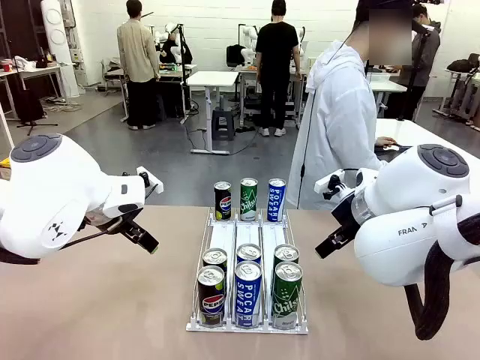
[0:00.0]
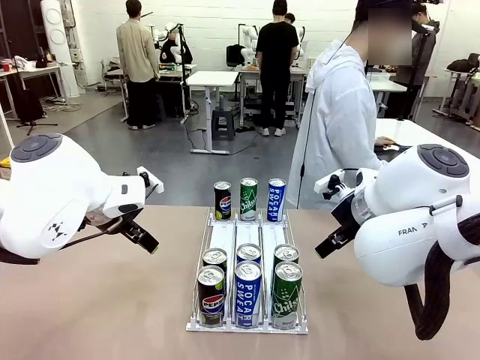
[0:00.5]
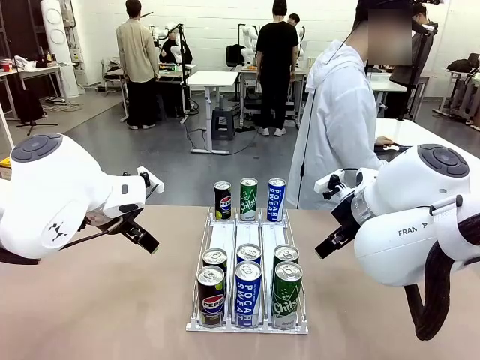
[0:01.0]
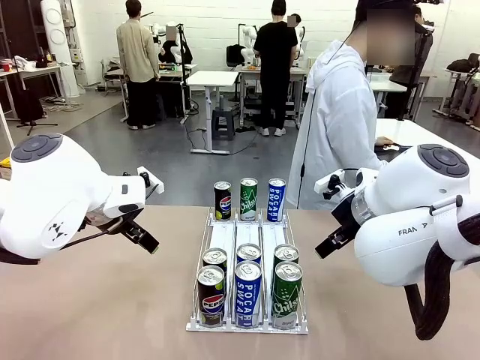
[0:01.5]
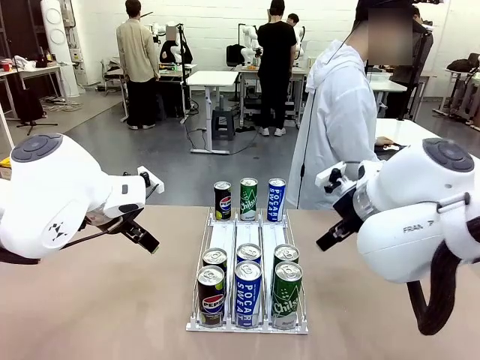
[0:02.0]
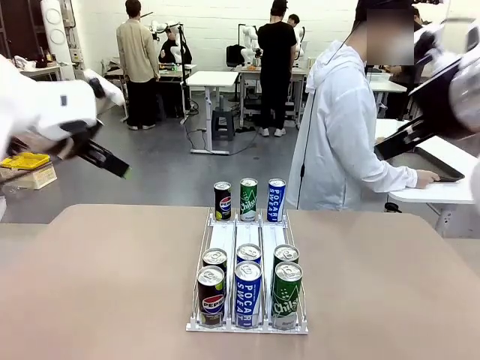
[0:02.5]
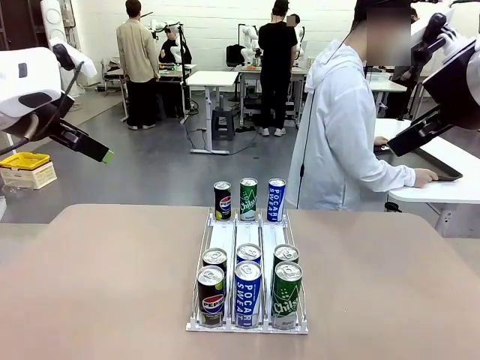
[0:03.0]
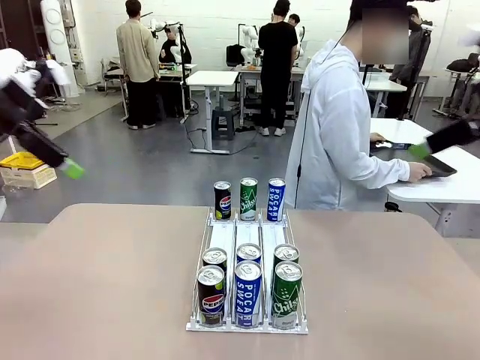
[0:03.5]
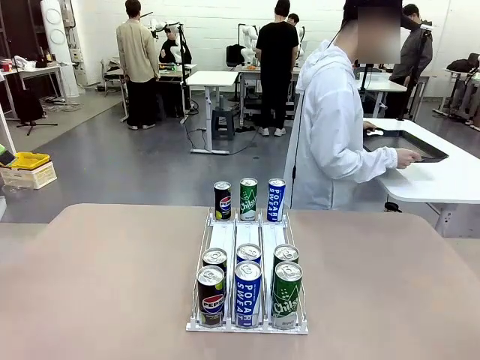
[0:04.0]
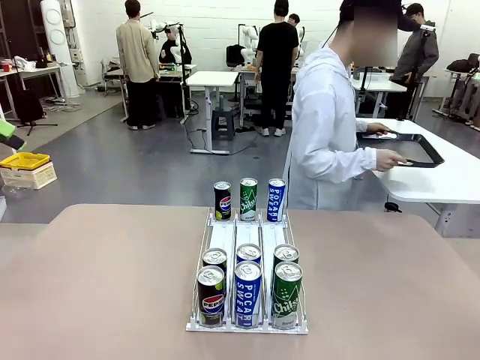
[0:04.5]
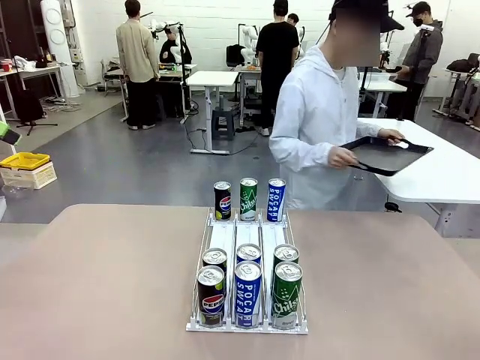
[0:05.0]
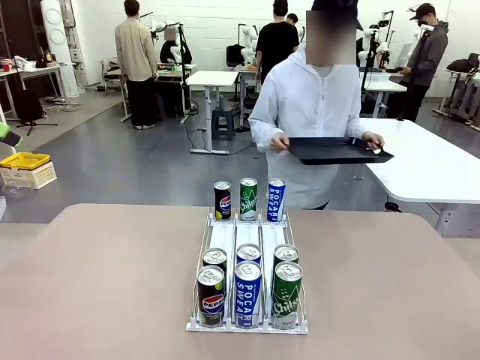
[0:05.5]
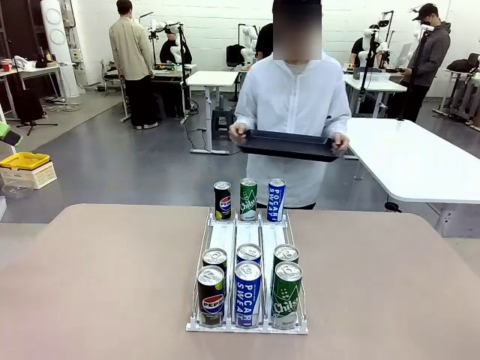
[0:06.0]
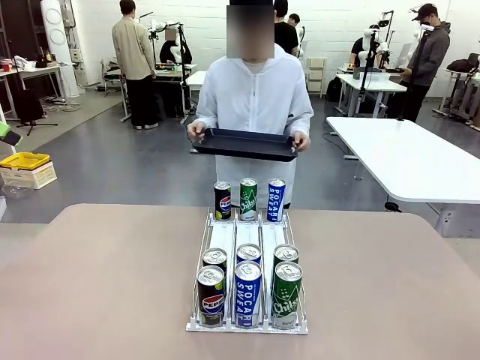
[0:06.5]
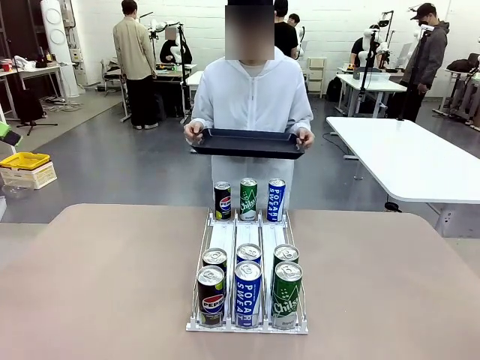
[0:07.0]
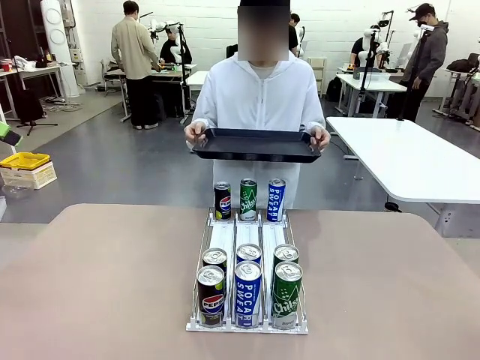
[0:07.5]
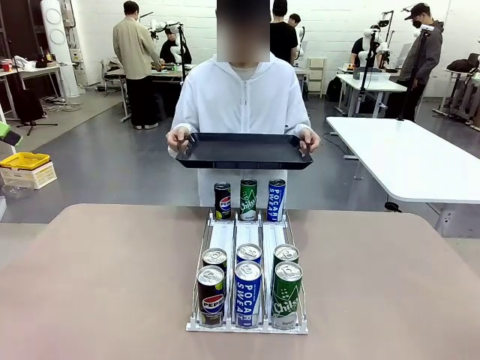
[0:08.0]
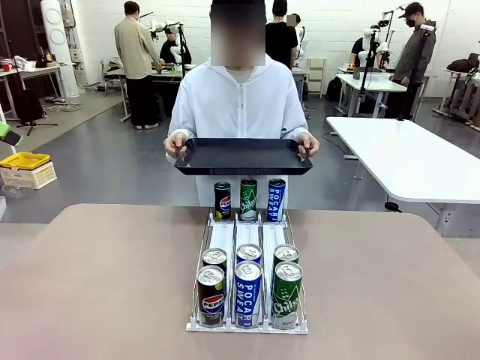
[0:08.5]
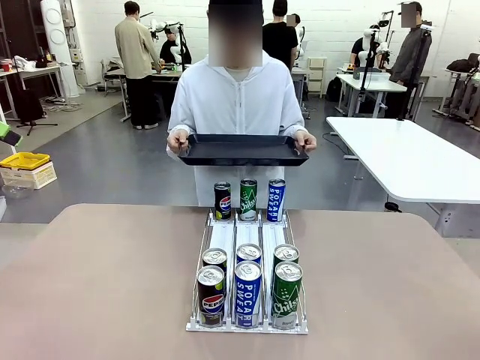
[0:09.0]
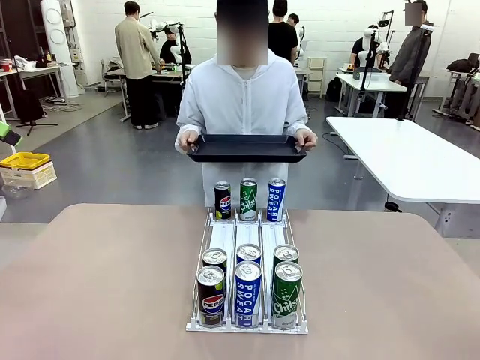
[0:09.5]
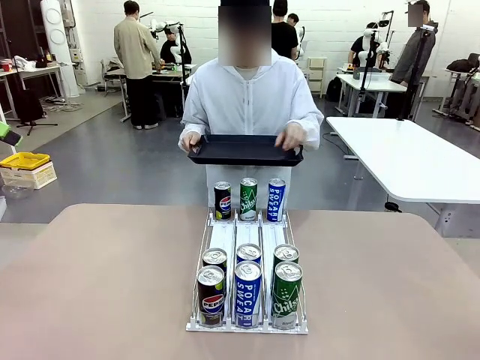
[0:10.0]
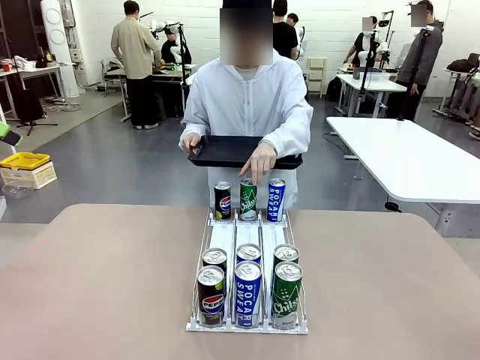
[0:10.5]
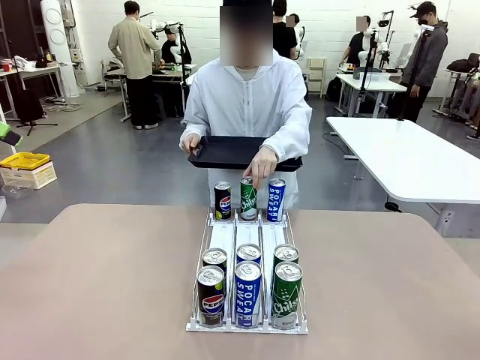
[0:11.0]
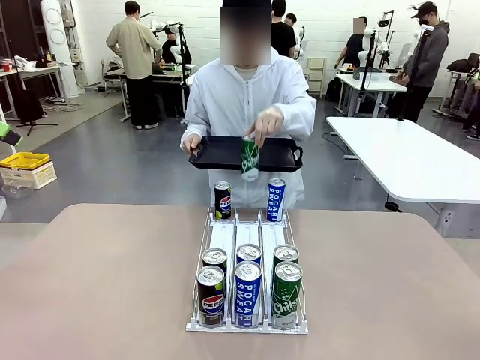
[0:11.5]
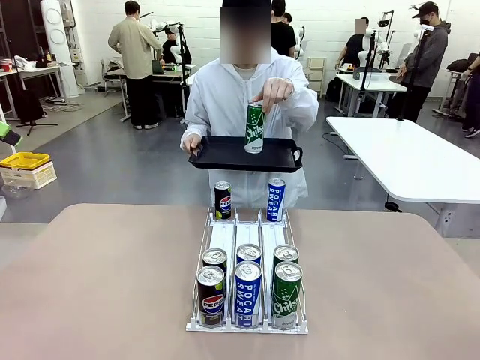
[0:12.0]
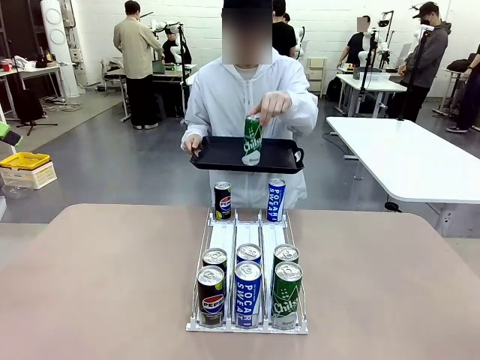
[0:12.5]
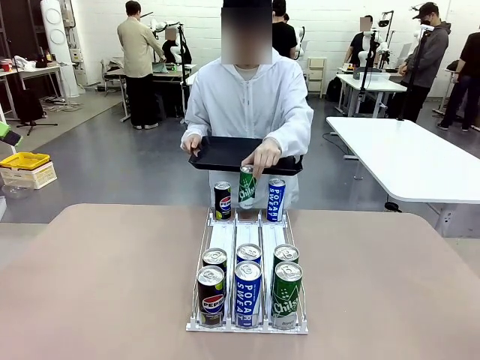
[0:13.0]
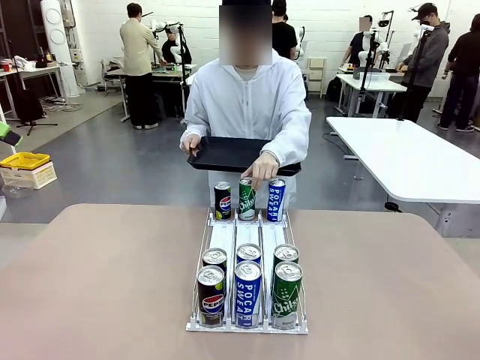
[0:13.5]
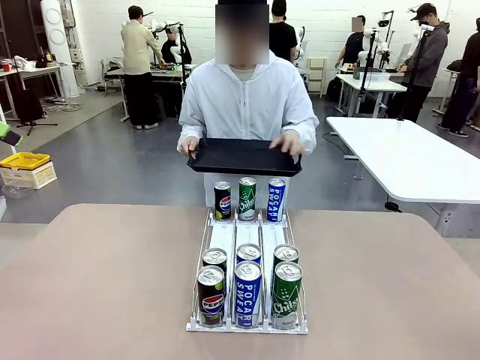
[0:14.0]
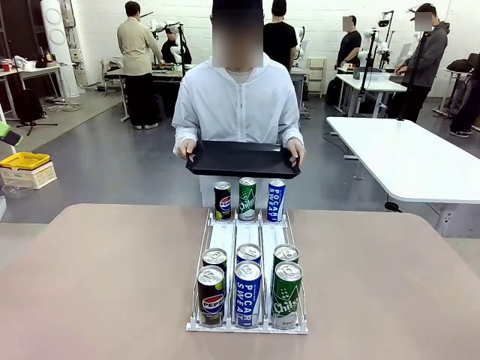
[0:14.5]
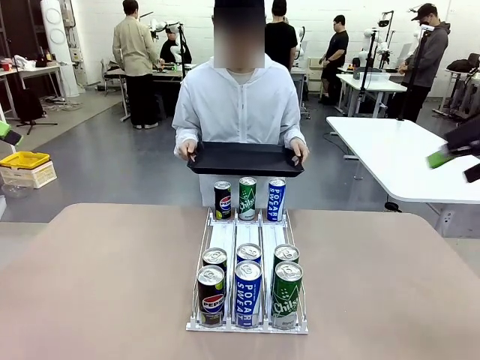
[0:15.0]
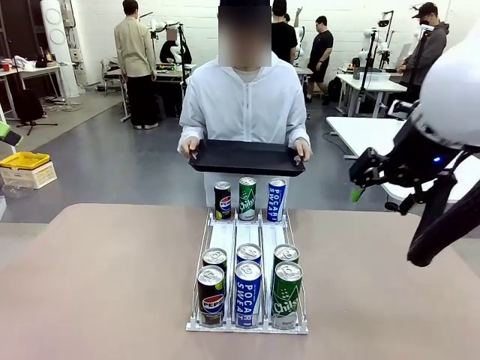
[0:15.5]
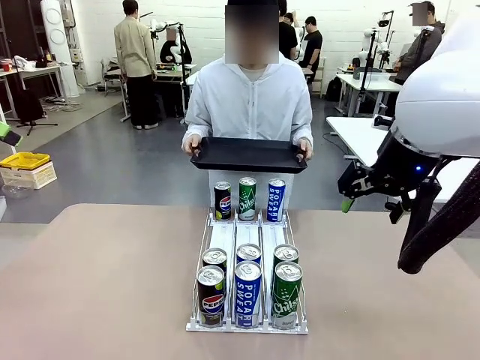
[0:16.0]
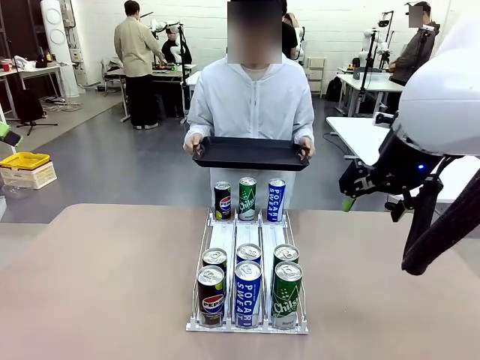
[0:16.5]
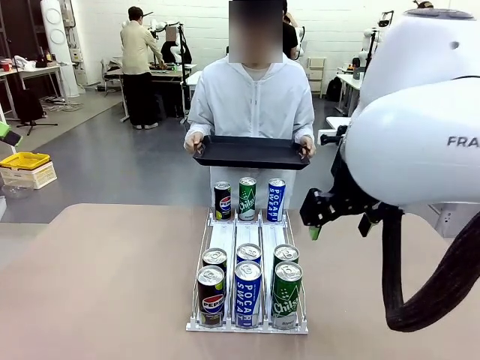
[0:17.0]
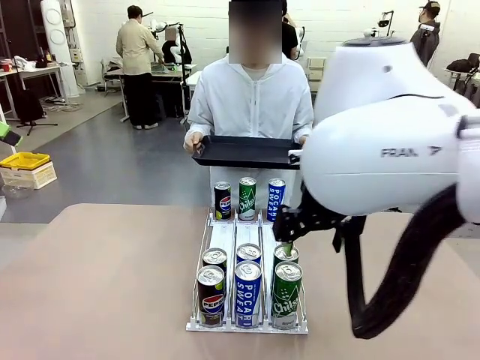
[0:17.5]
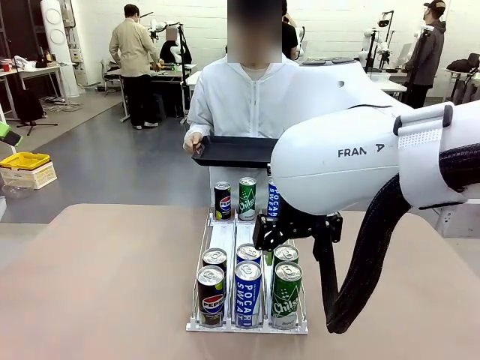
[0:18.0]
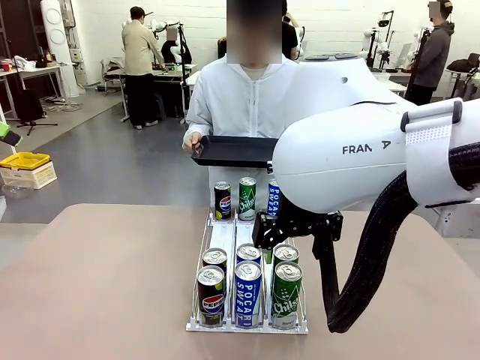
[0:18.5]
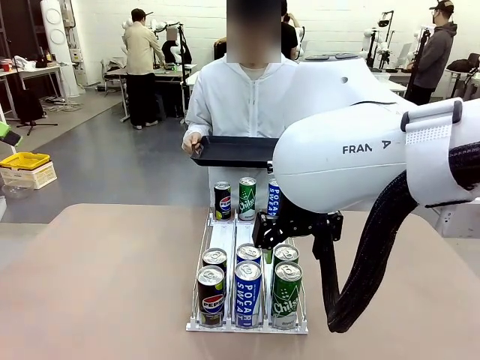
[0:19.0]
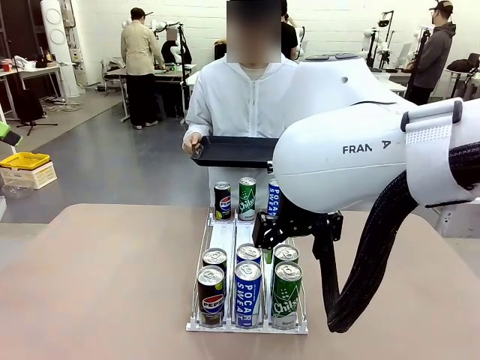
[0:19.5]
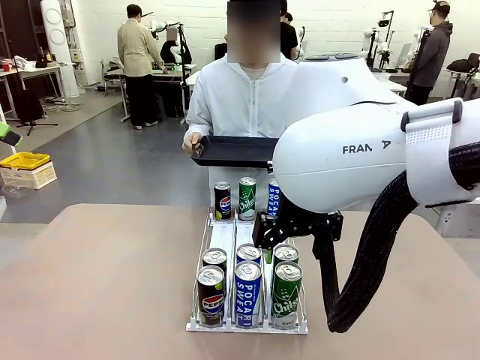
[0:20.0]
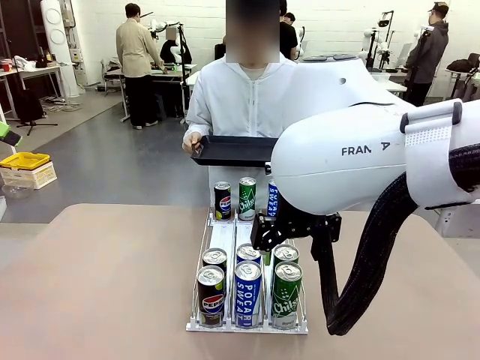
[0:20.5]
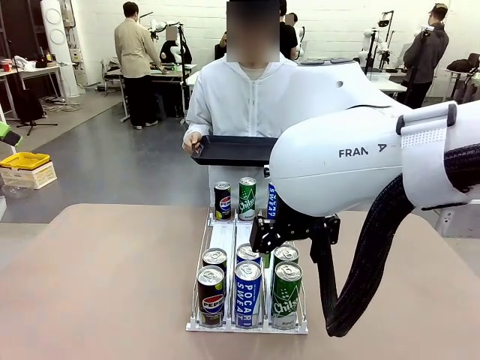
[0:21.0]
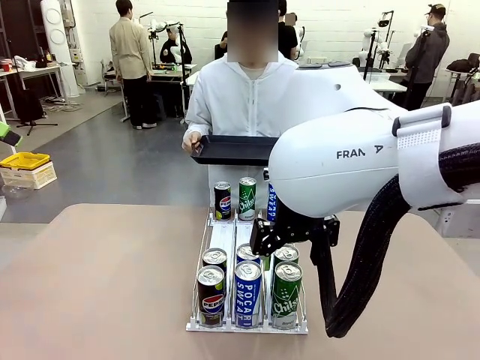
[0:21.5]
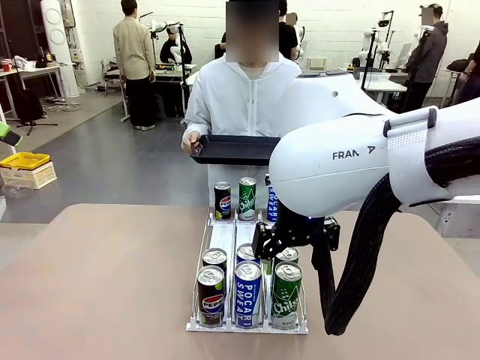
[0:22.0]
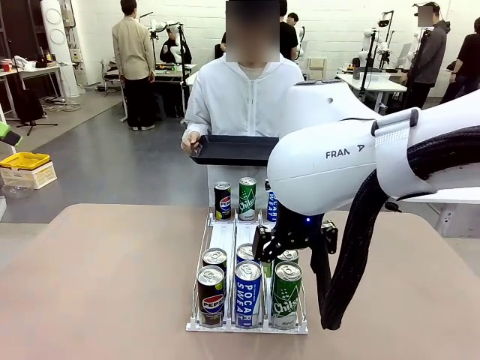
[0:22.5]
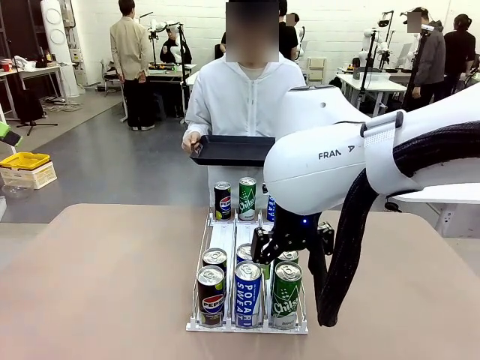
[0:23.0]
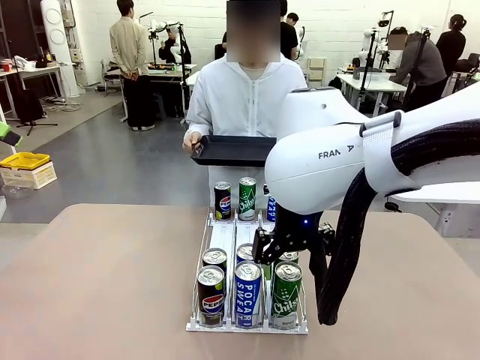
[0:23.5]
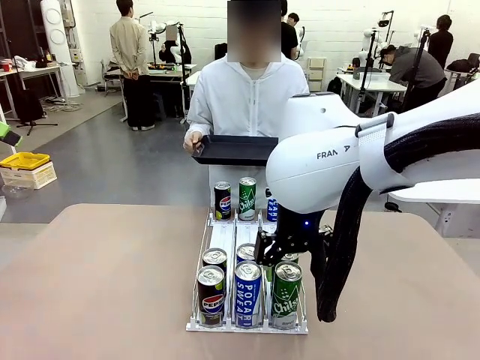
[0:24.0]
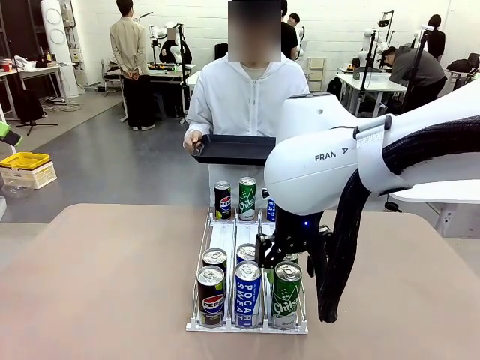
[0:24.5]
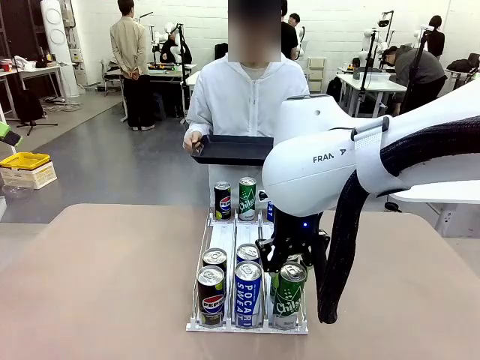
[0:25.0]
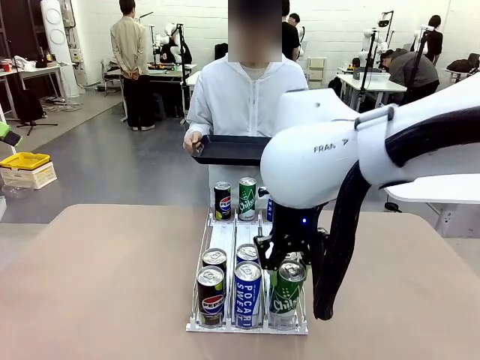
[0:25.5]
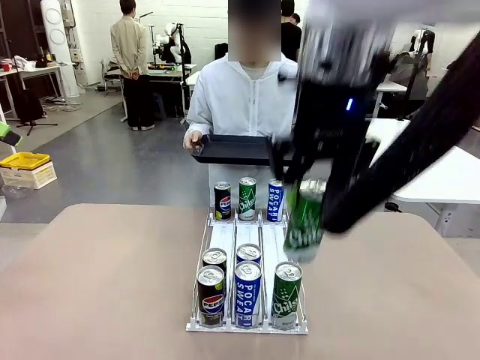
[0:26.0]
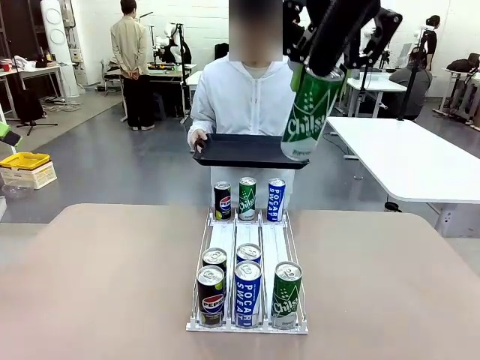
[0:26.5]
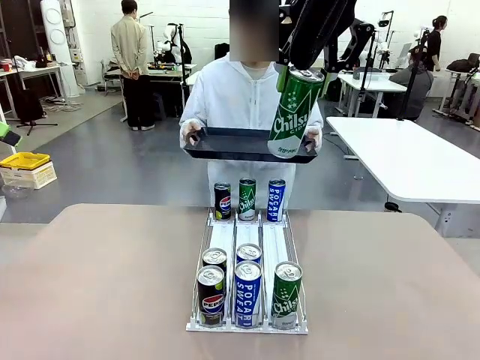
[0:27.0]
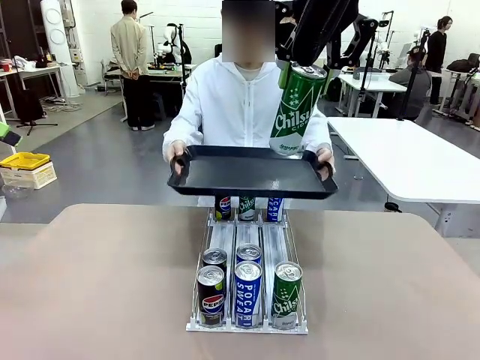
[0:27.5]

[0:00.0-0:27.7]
Task: Retrieve and hand over the desired beverage to the person.
Robot: Pick up a can of the same type that the person held from the Automatic Can Dispenser.
Person: Hold the tray and position yourself in front of the robot table. Pick up one can from the bottom area of the table and puts it back in its original place. Push the tray toward the robot.
